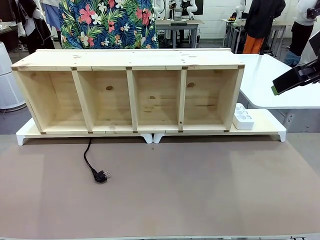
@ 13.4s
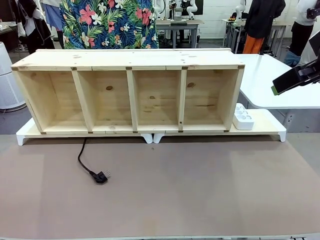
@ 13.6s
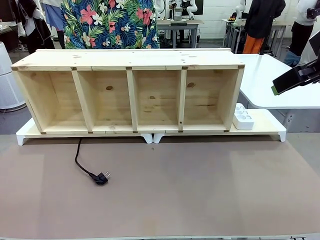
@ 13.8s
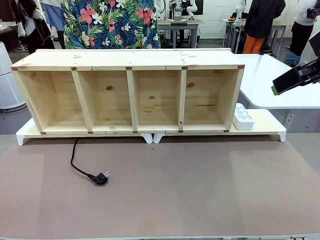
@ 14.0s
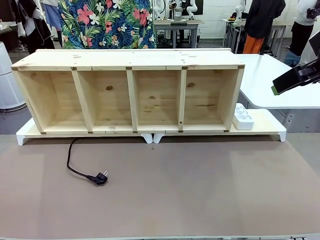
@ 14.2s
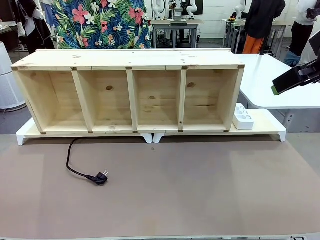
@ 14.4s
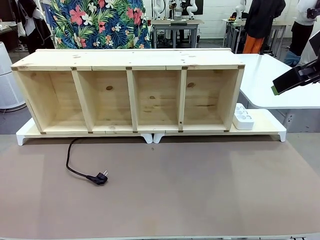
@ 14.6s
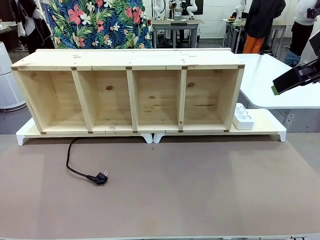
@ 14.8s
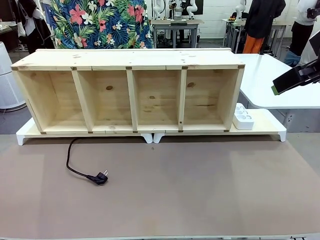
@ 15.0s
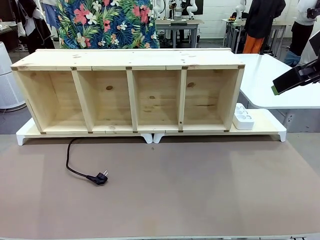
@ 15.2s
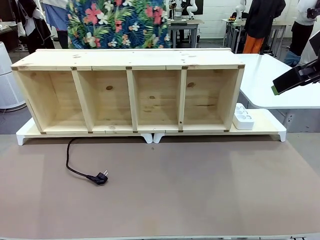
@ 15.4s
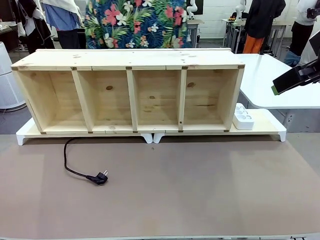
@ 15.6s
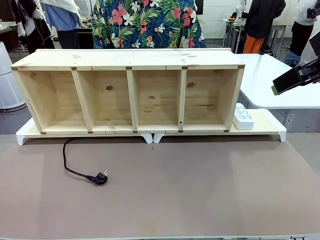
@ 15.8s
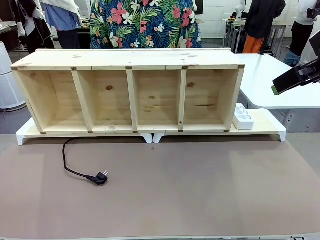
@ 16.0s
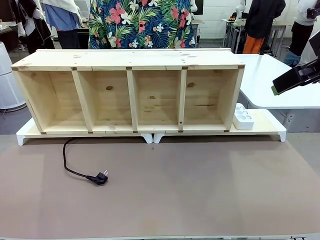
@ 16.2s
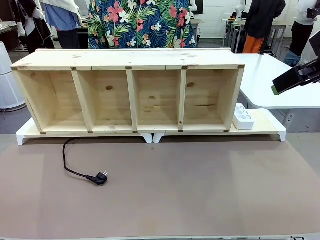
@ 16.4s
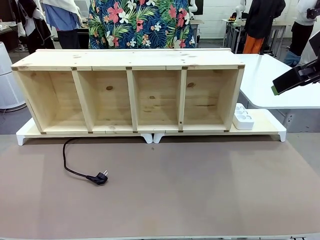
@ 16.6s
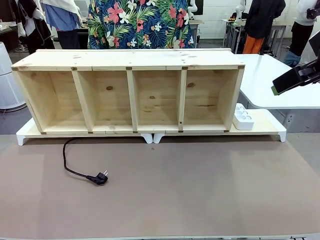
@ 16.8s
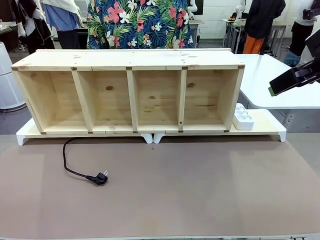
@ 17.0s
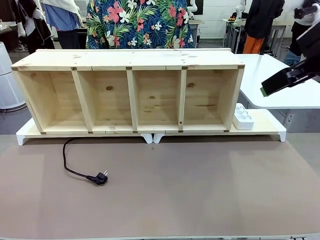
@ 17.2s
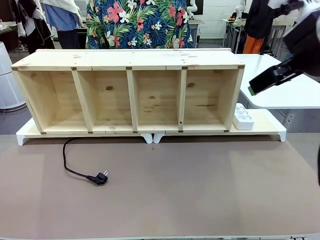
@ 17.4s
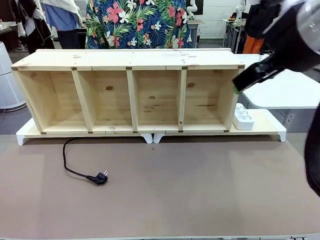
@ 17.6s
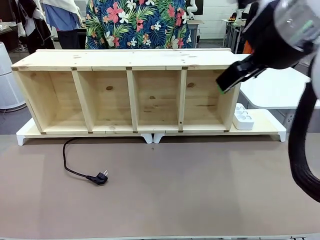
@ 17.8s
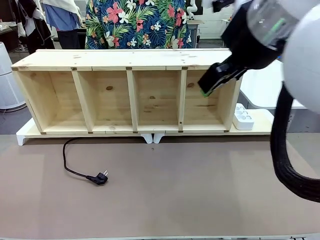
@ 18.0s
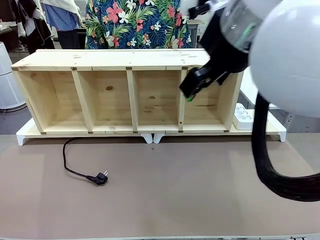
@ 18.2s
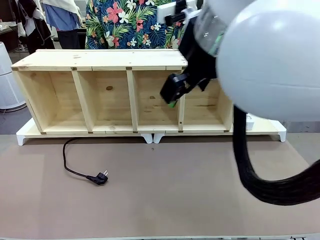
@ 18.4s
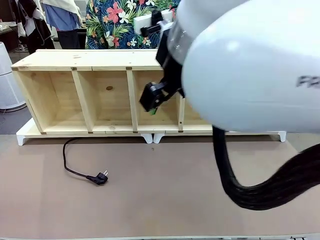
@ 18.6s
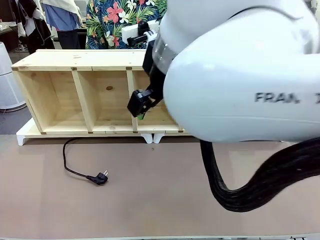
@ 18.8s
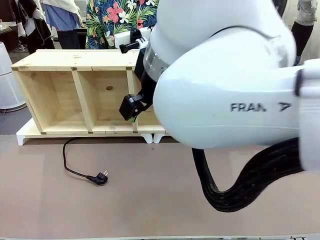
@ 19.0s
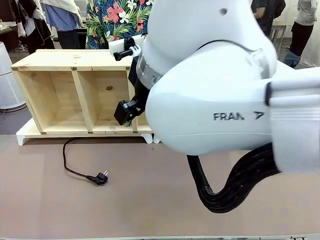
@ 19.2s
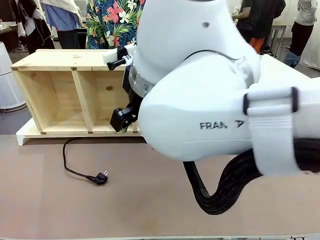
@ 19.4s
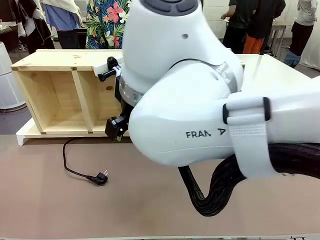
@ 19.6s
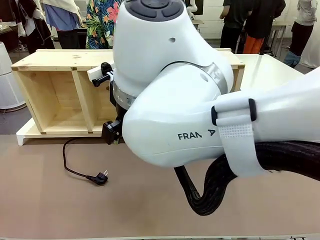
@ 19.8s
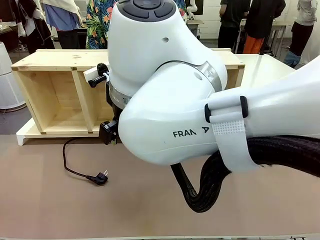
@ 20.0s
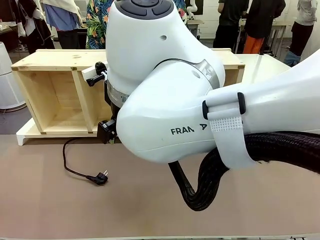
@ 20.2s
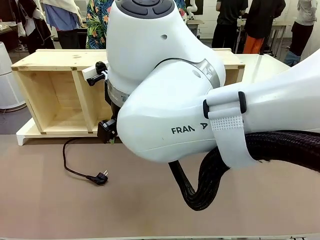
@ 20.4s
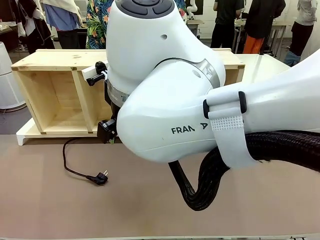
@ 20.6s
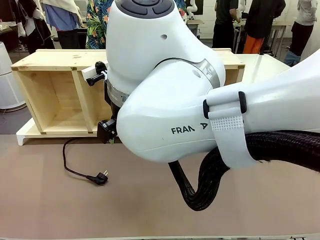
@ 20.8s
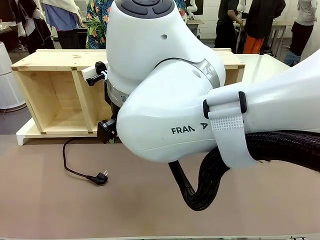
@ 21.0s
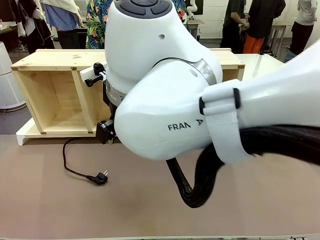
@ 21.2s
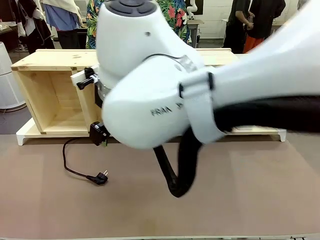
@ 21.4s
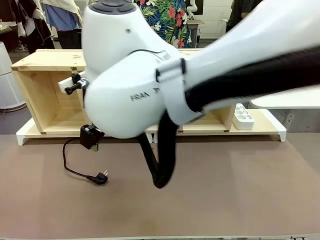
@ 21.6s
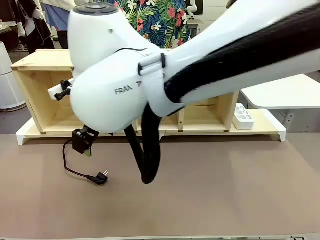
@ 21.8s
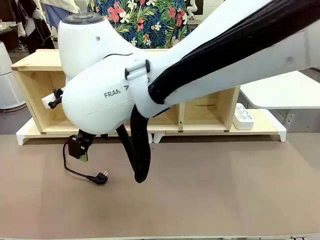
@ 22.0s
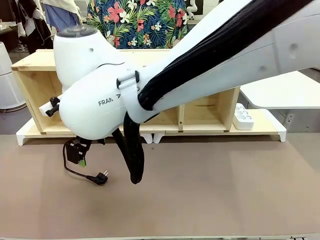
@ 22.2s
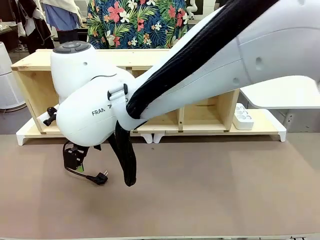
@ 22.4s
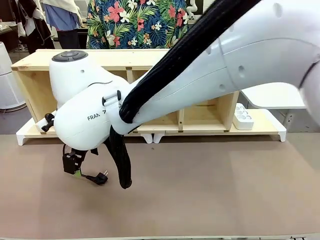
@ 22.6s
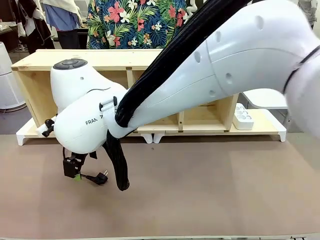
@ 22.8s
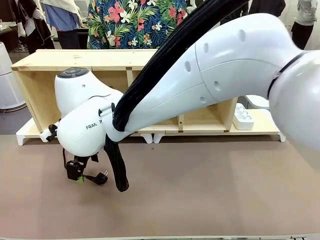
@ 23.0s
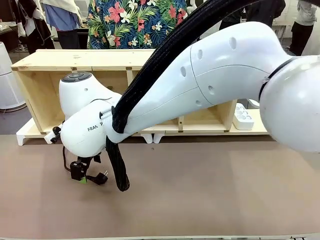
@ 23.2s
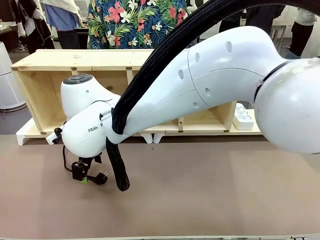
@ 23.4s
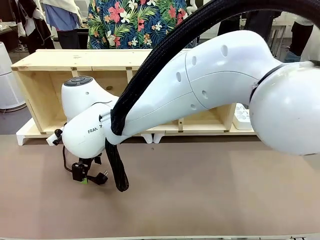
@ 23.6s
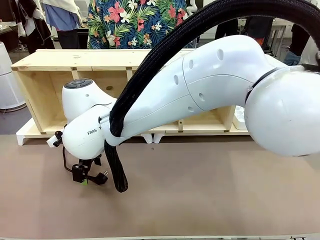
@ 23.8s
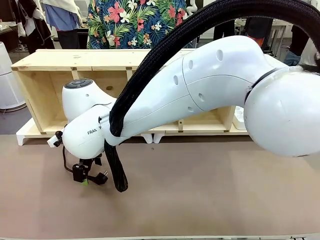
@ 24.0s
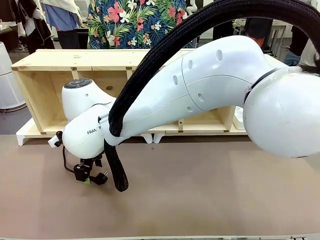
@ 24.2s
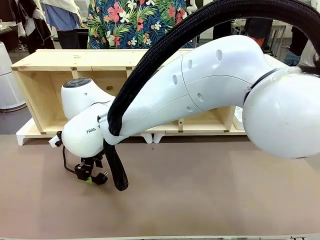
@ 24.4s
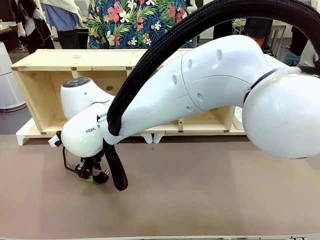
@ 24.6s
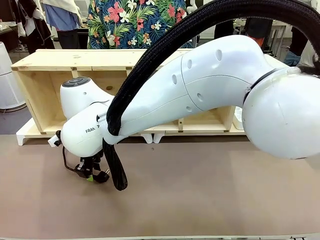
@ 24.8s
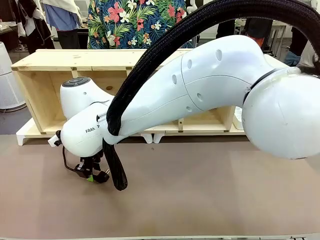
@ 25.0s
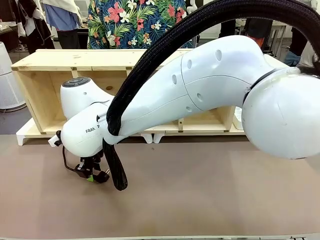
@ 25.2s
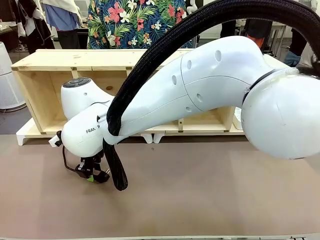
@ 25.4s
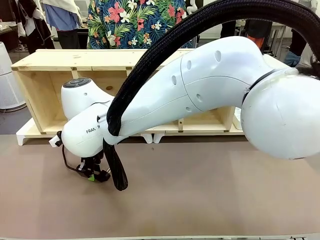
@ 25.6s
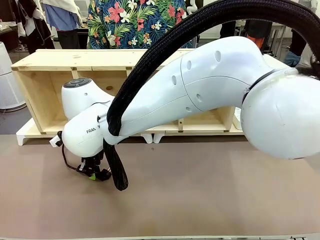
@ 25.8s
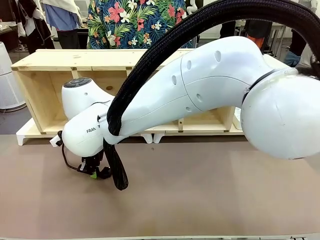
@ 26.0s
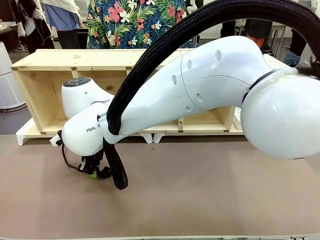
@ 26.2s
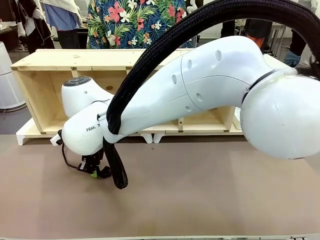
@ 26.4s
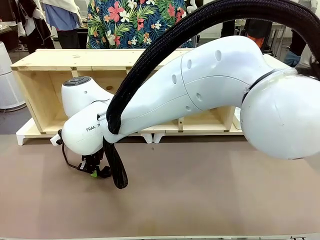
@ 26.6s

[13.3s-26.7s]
Task: Perform cable management.
Robot: When the cord part of the Power Cable appears at the lower middle area of the table and stops, grasp the cord part of the Power Cable.
